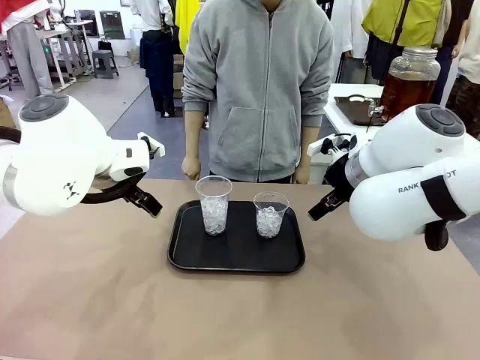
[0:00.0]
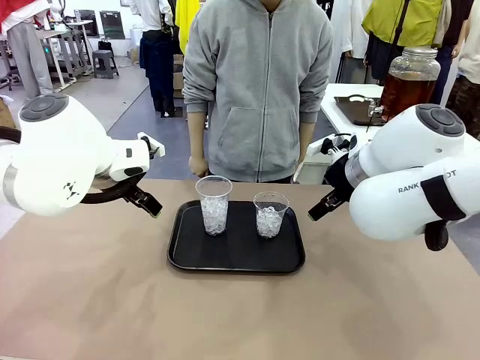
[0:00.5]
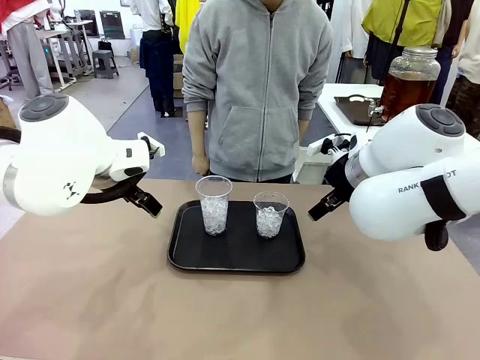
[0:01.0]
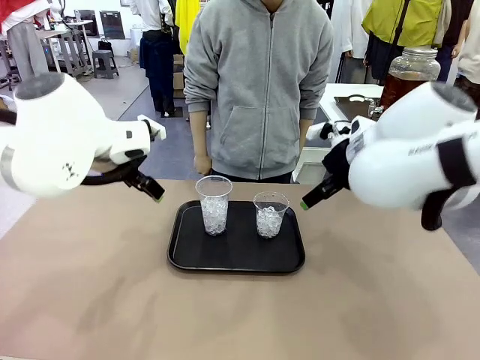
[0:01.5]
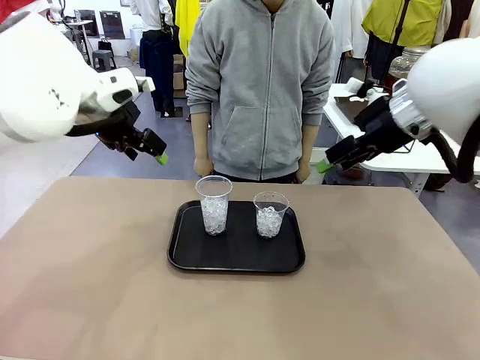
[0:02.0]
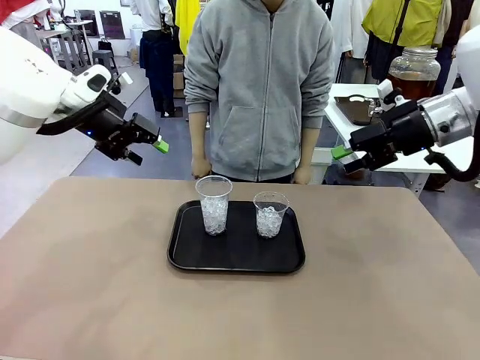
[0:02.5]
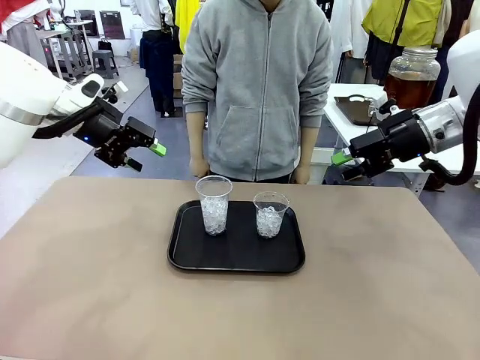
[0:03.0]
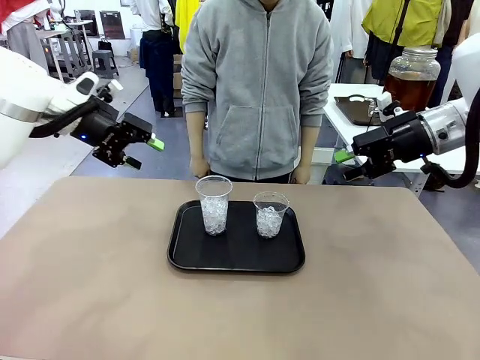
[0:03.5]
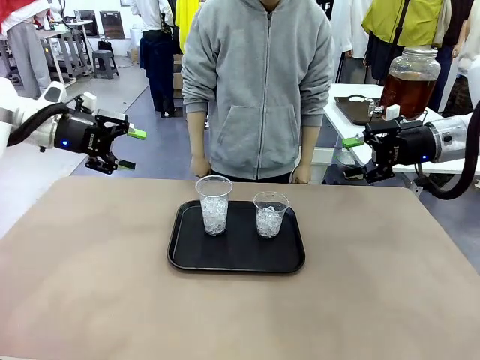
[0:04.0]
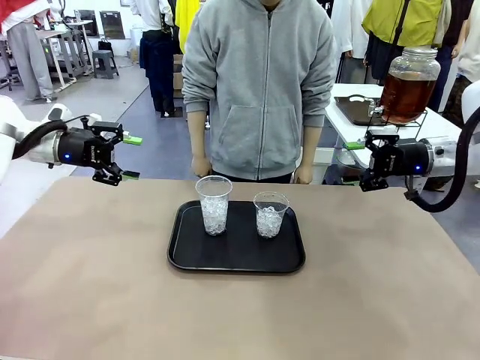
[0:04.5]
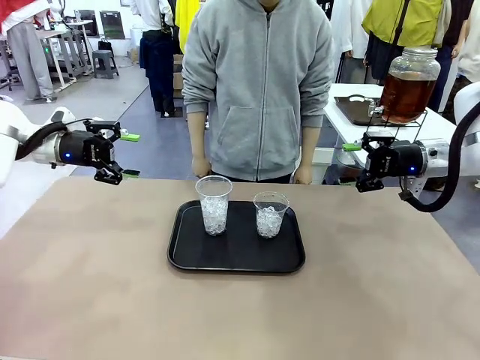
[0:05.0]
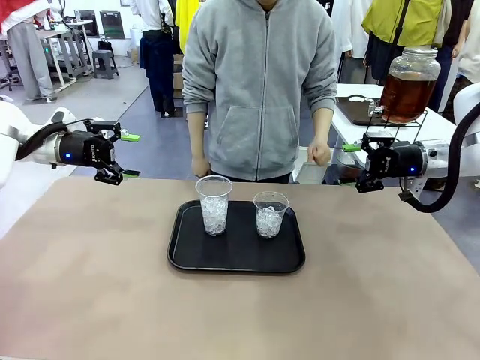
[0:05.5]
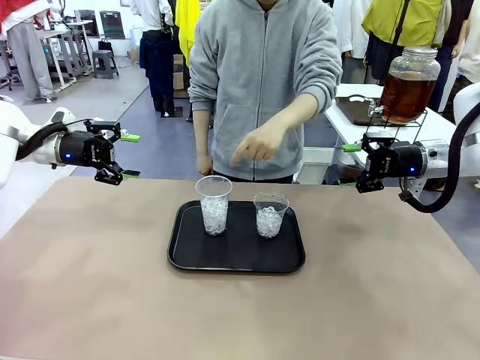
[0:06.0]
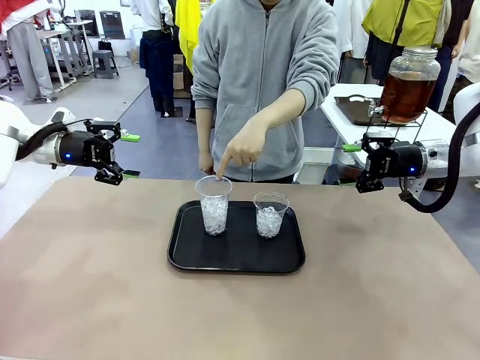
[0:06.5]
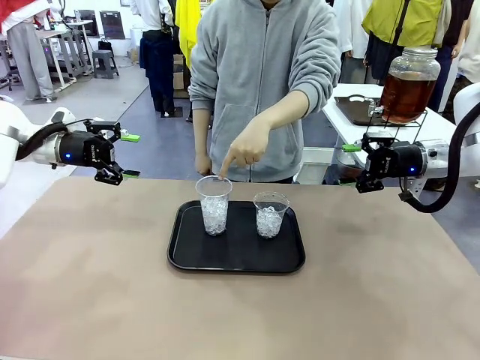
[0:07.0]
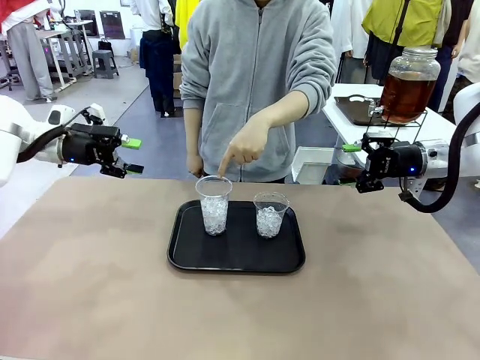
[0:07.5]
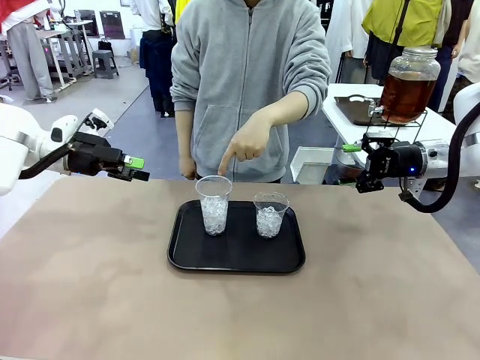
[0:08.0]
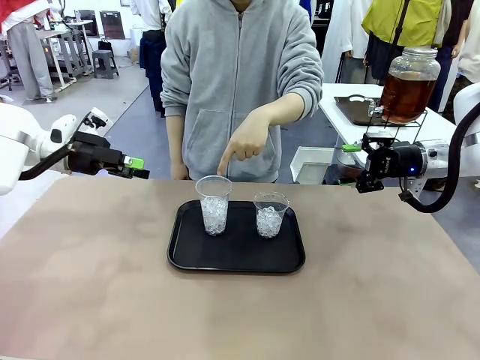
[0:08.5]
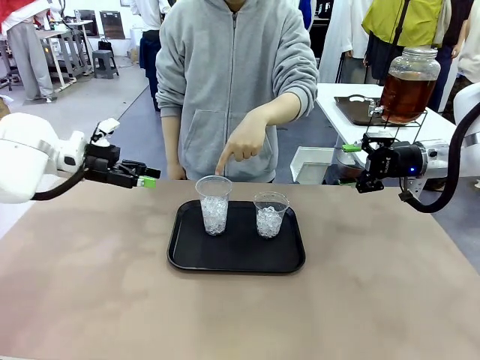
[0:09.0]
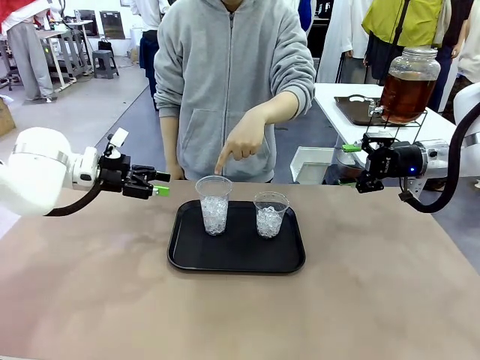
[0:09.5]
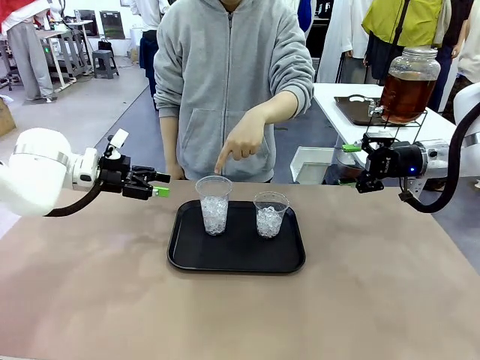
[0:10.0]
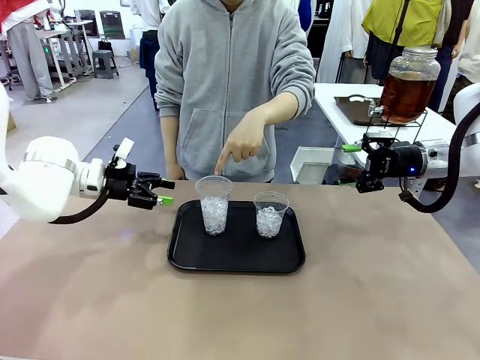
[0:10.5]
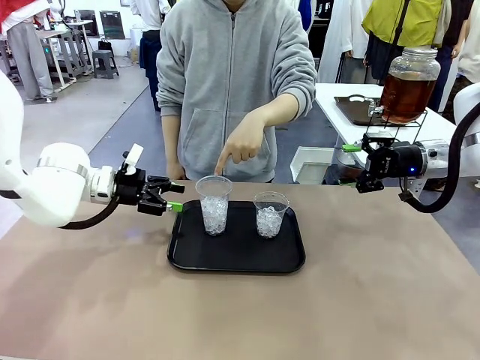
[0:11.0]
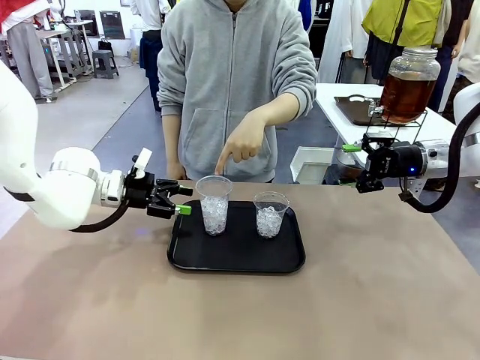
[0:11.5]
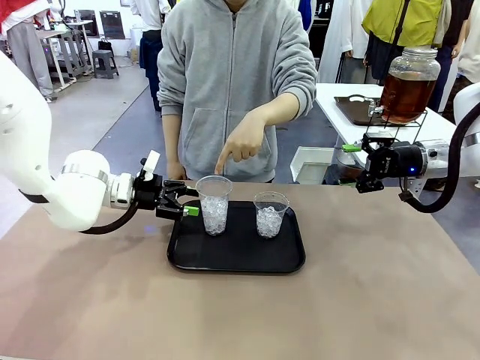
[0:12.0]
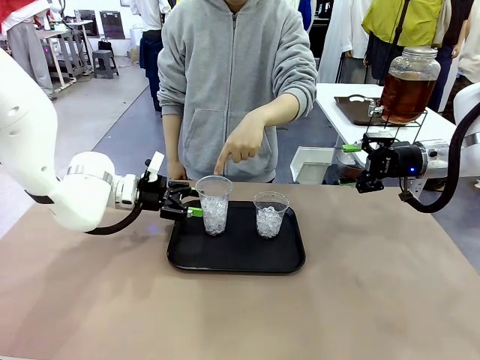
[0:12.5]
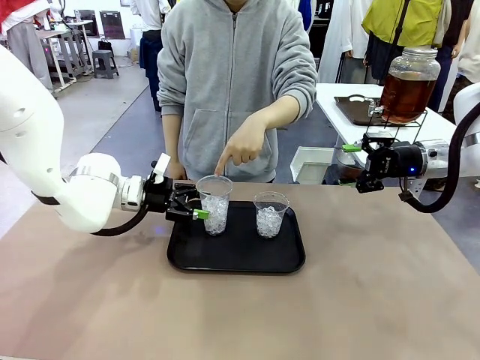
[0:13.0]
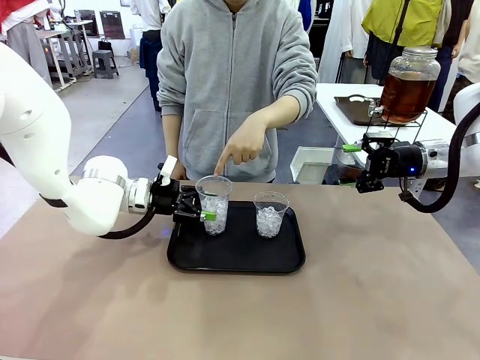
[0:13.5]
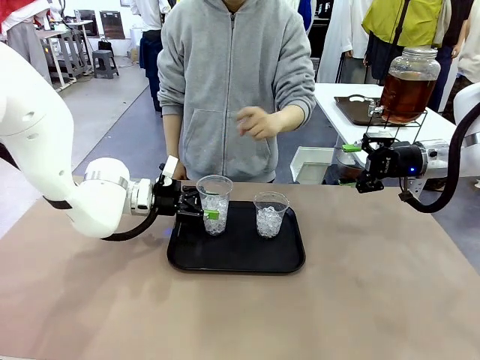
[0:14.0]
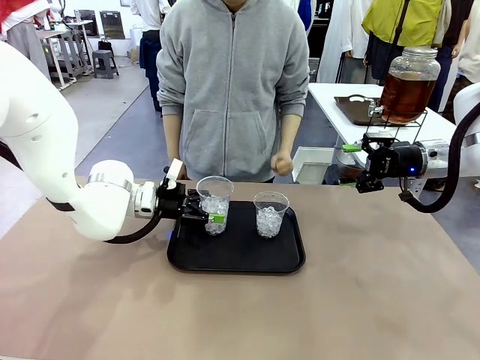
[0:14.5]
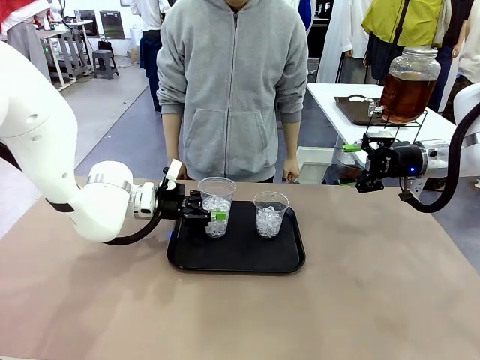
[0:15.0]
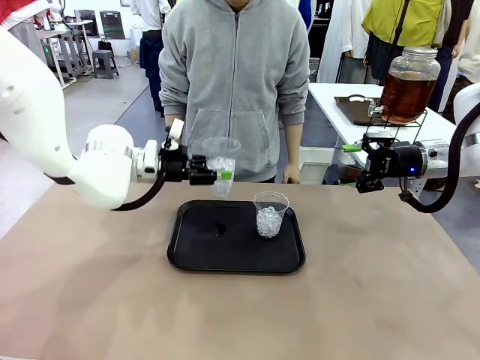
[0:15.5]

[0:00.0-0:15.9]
Task: Pour the drink into the iced cup.
Robot: Pick up the iced cup indicated by the human and present it to them.
Person: Point to one of the two ice cups. Pick up the cup offered by the robot.

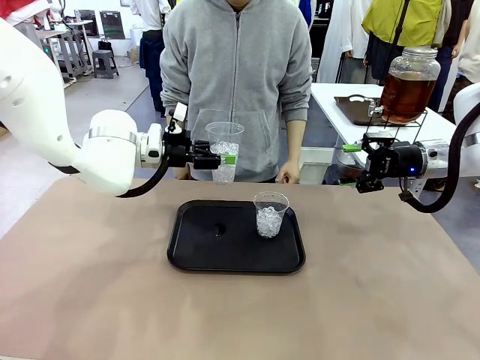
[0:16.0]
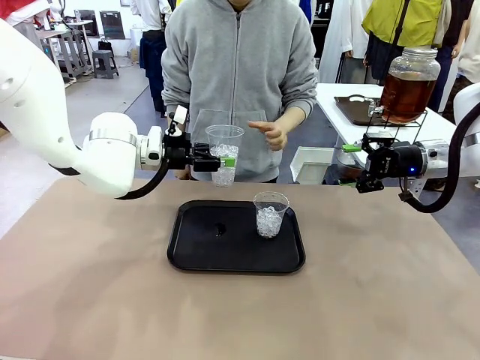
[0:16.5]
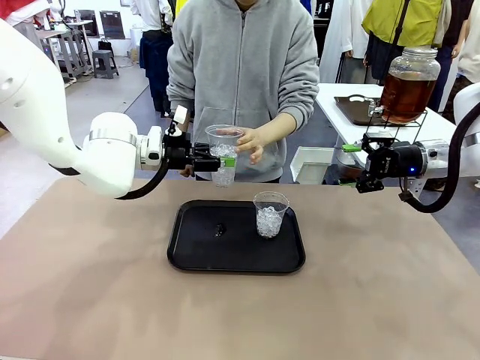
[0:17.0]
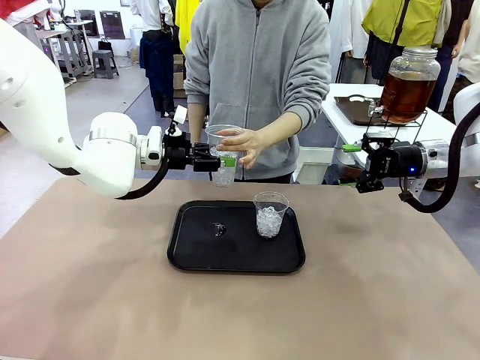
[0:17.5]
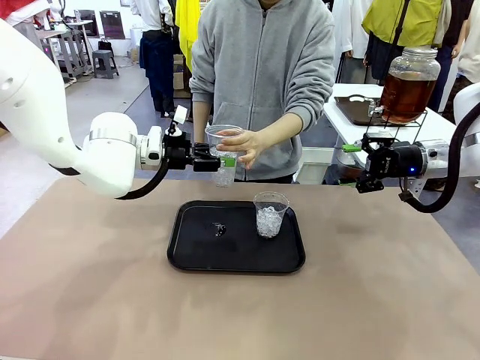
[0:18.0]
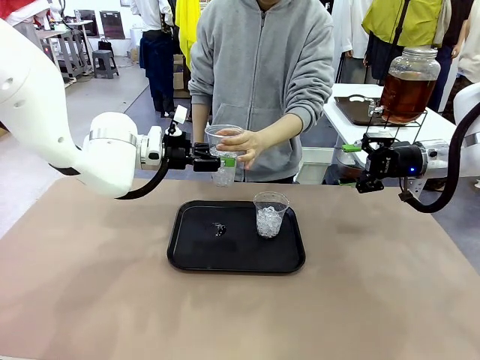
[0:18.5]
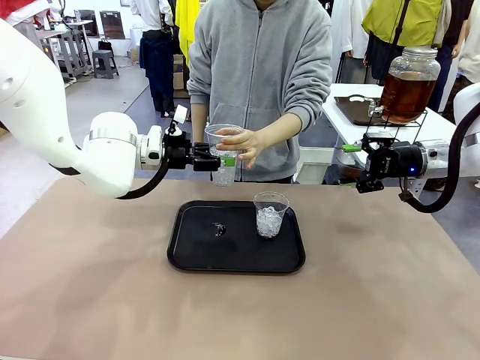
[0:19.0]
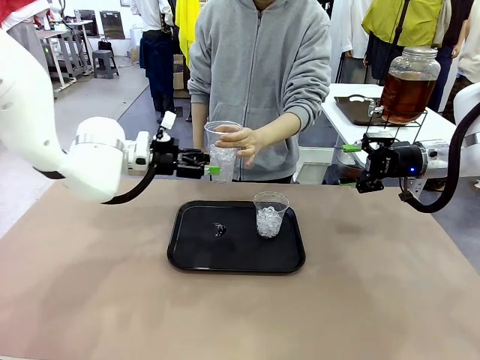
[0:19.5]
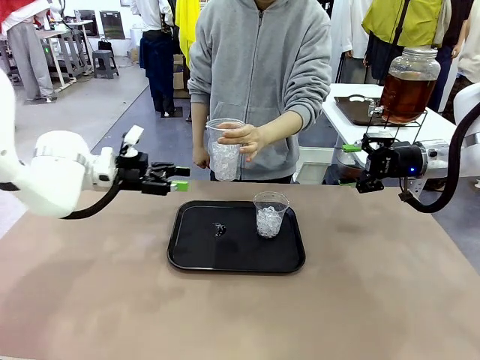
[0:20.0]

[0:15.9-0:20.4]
Robot: Open the gripper to release the iced cup you were holding.
